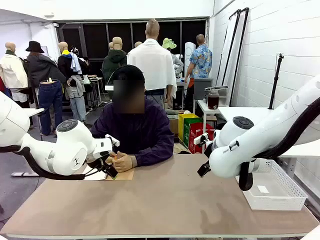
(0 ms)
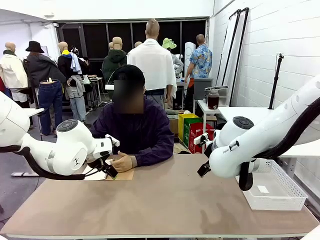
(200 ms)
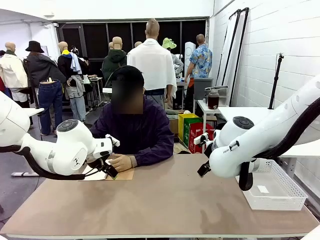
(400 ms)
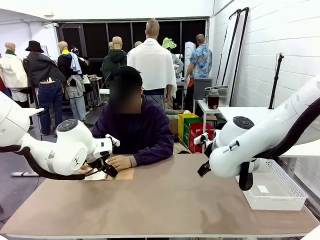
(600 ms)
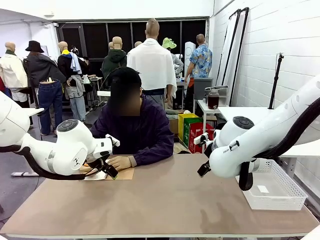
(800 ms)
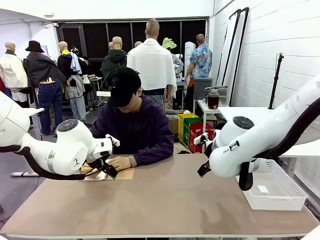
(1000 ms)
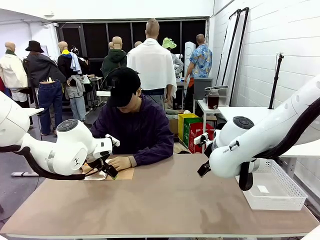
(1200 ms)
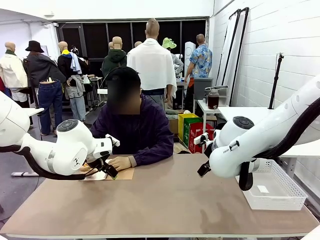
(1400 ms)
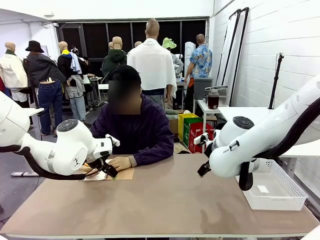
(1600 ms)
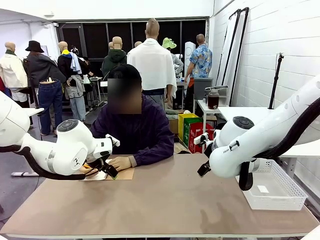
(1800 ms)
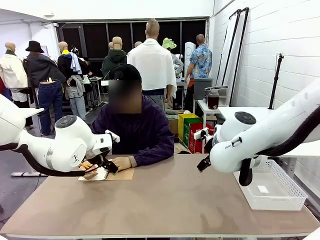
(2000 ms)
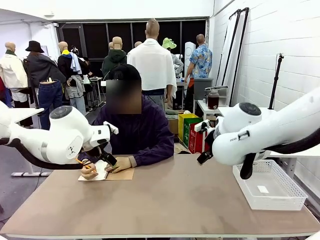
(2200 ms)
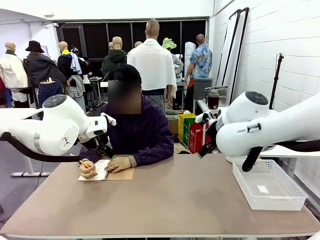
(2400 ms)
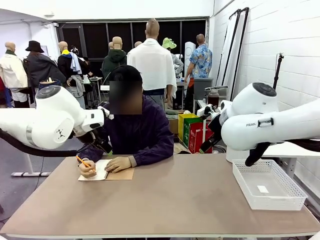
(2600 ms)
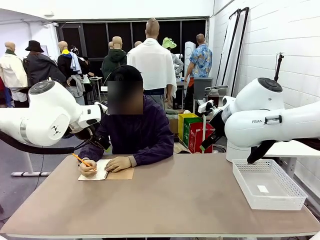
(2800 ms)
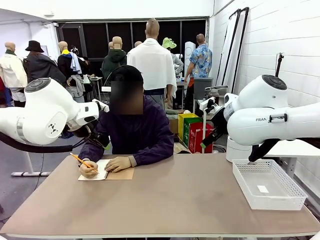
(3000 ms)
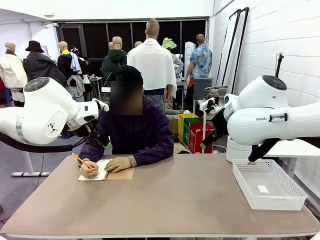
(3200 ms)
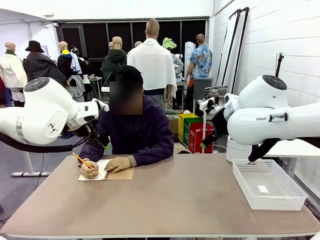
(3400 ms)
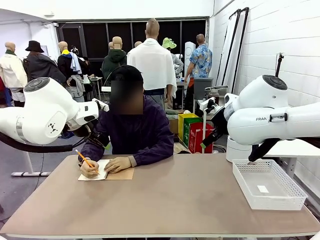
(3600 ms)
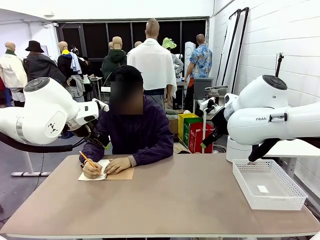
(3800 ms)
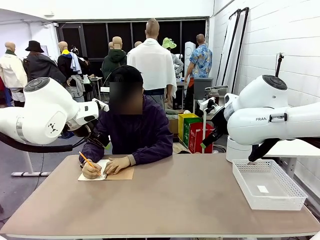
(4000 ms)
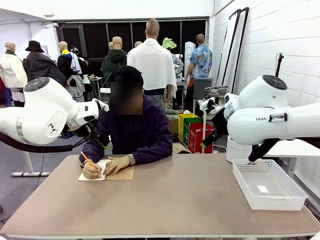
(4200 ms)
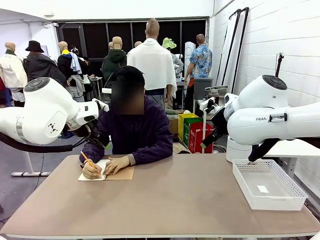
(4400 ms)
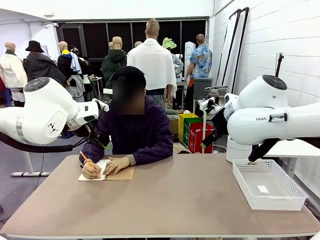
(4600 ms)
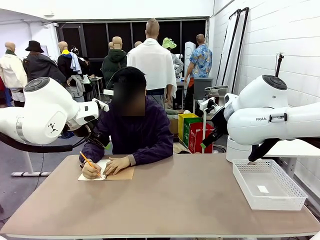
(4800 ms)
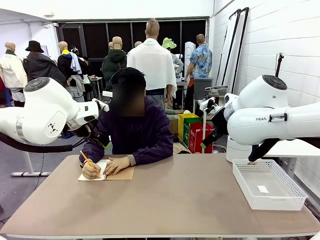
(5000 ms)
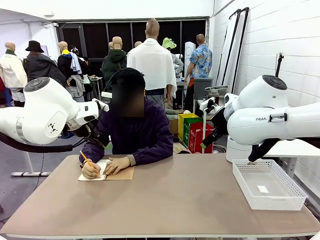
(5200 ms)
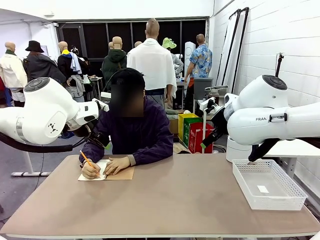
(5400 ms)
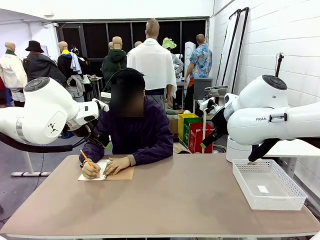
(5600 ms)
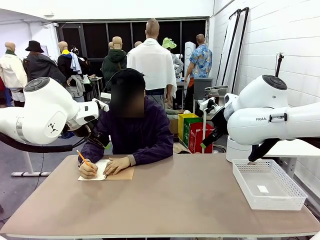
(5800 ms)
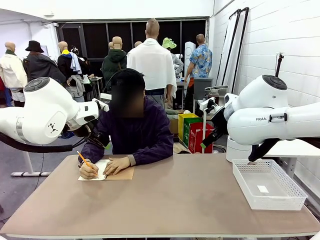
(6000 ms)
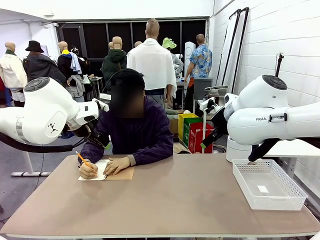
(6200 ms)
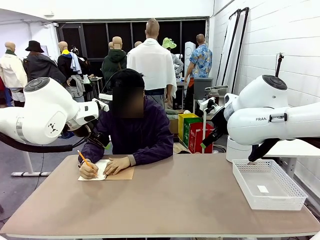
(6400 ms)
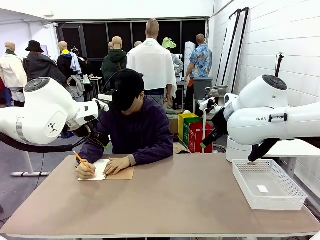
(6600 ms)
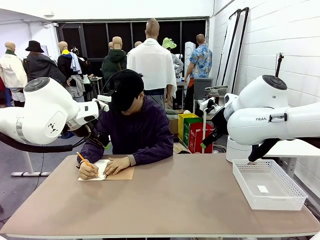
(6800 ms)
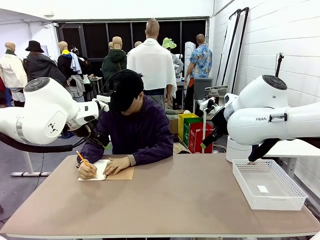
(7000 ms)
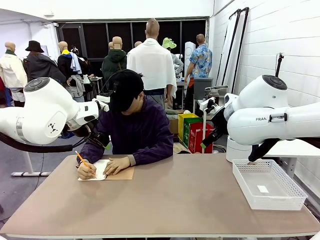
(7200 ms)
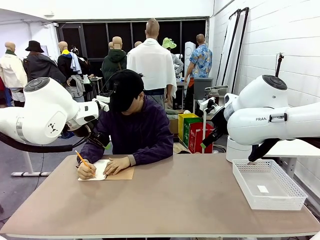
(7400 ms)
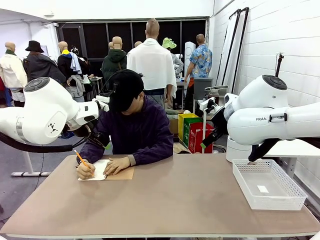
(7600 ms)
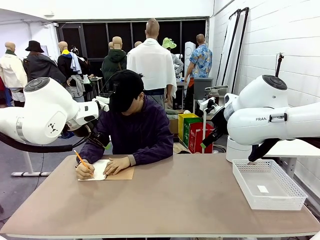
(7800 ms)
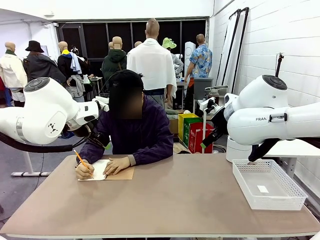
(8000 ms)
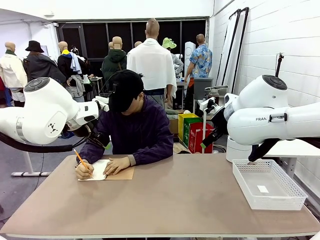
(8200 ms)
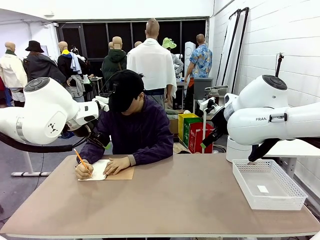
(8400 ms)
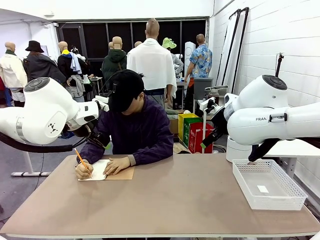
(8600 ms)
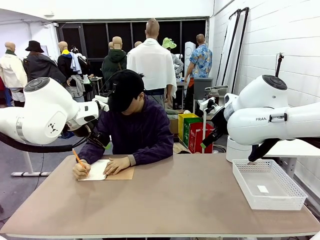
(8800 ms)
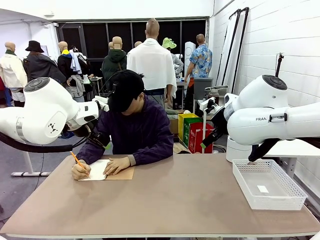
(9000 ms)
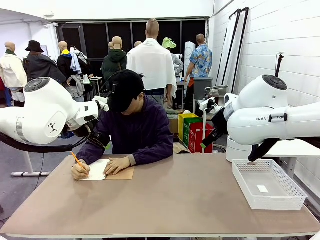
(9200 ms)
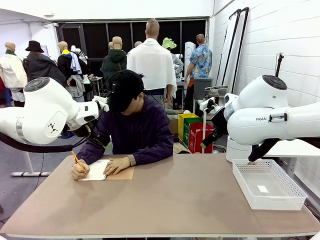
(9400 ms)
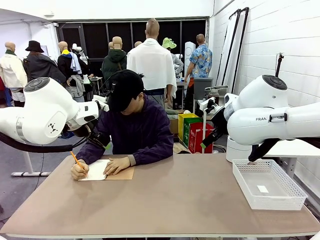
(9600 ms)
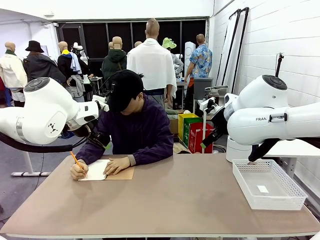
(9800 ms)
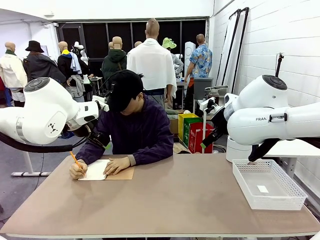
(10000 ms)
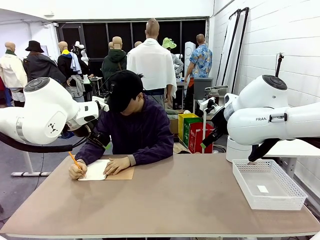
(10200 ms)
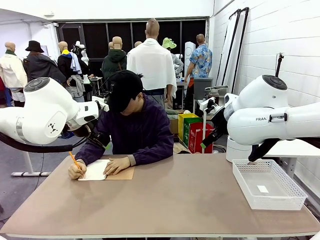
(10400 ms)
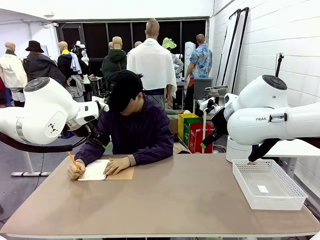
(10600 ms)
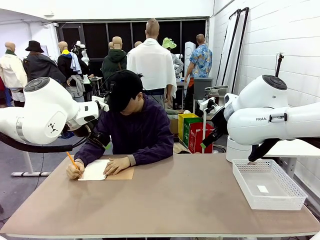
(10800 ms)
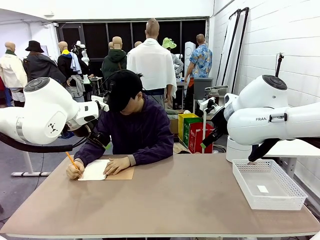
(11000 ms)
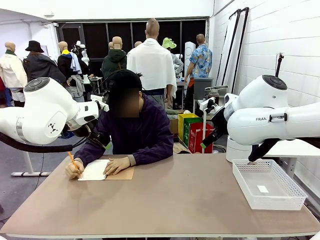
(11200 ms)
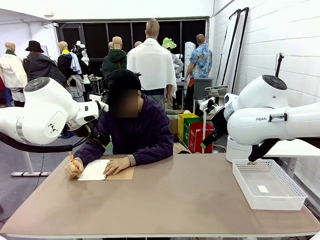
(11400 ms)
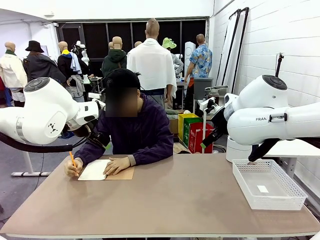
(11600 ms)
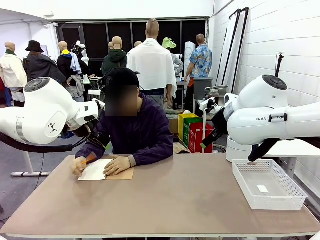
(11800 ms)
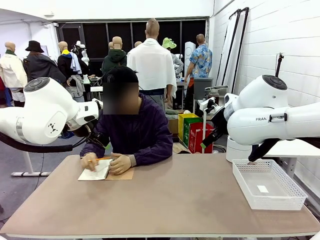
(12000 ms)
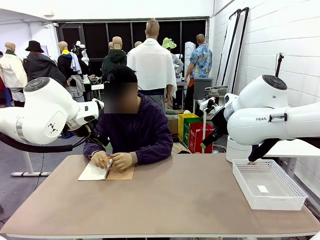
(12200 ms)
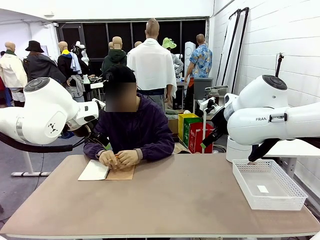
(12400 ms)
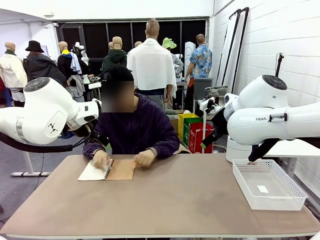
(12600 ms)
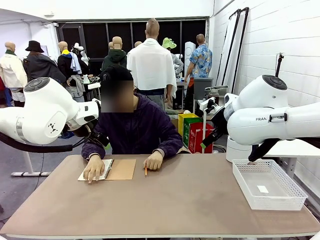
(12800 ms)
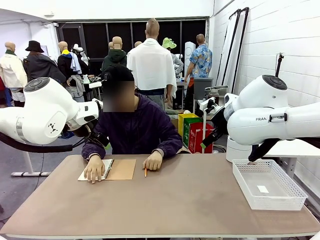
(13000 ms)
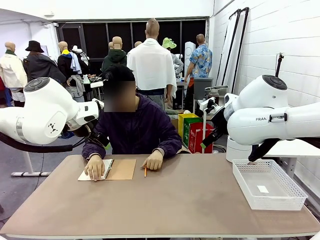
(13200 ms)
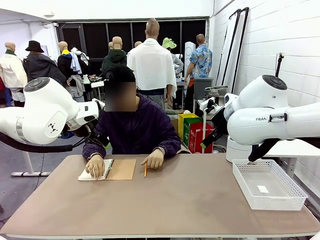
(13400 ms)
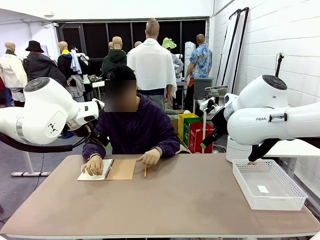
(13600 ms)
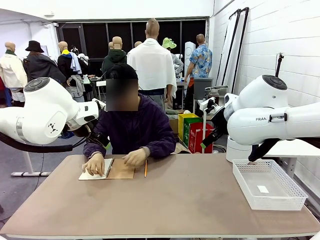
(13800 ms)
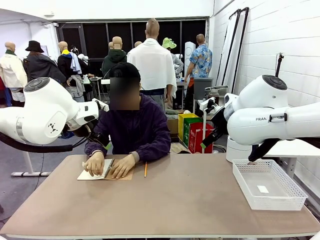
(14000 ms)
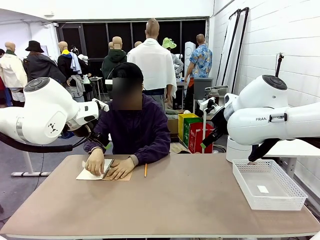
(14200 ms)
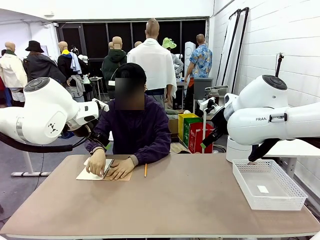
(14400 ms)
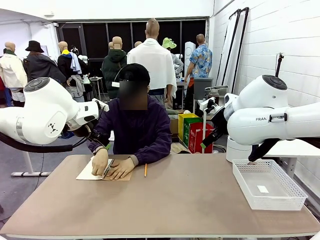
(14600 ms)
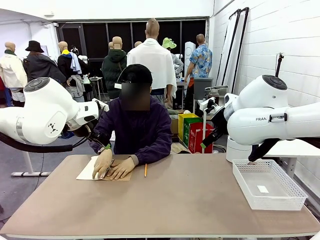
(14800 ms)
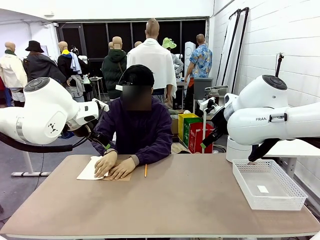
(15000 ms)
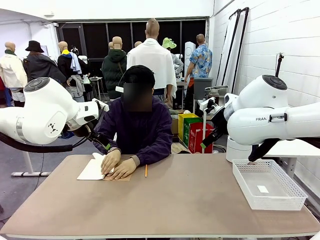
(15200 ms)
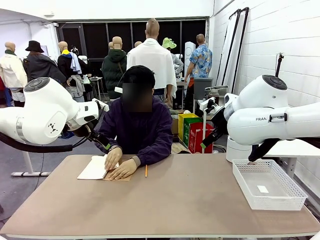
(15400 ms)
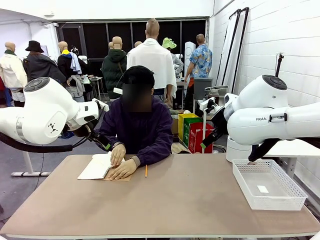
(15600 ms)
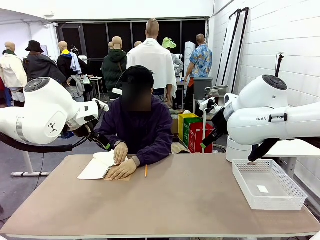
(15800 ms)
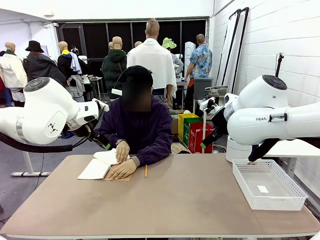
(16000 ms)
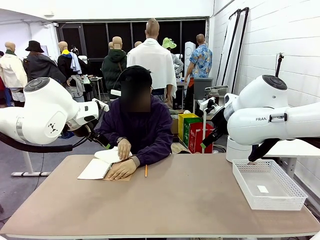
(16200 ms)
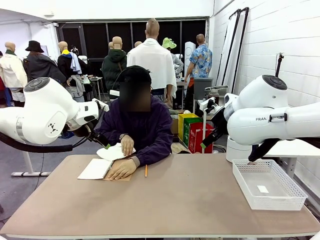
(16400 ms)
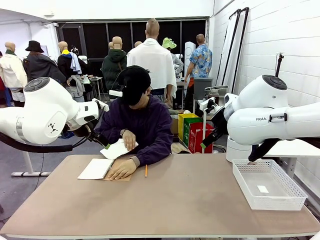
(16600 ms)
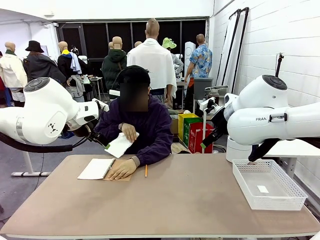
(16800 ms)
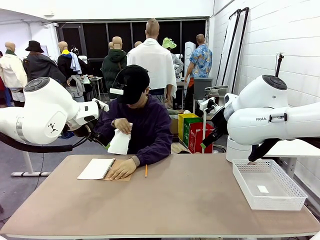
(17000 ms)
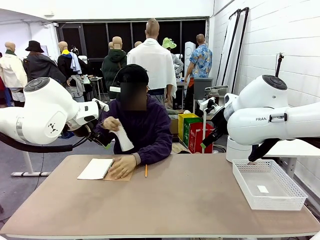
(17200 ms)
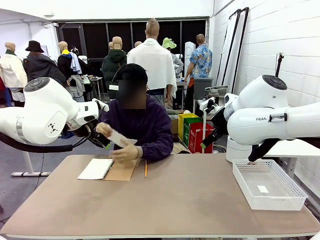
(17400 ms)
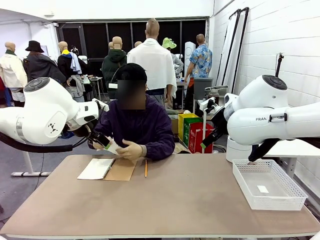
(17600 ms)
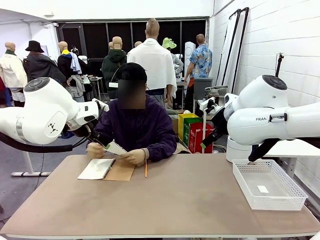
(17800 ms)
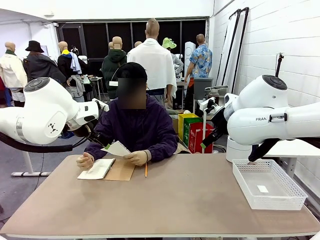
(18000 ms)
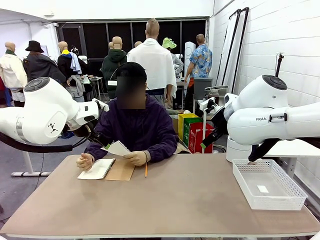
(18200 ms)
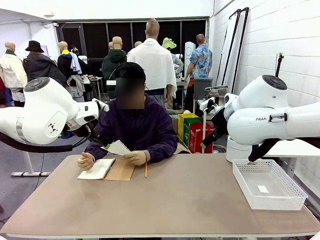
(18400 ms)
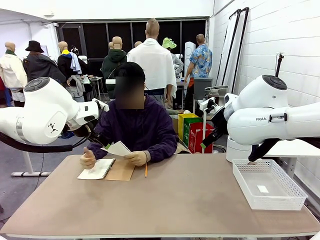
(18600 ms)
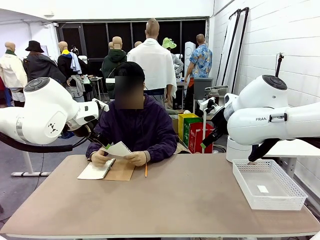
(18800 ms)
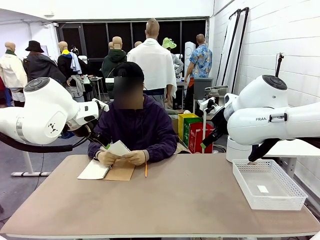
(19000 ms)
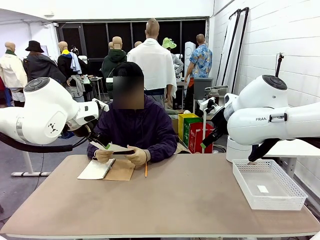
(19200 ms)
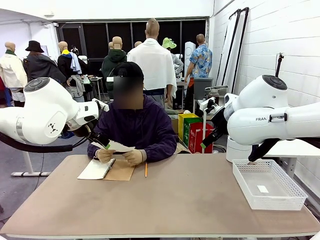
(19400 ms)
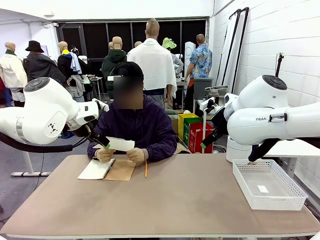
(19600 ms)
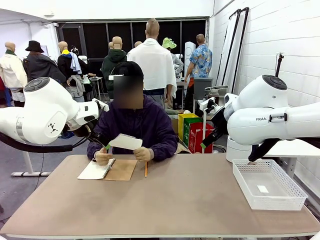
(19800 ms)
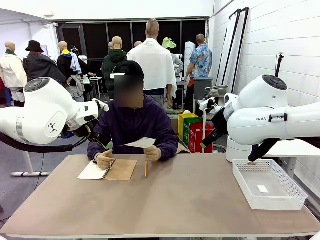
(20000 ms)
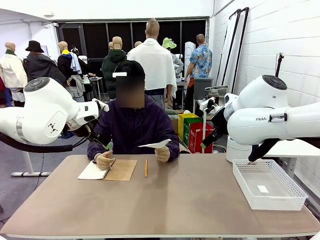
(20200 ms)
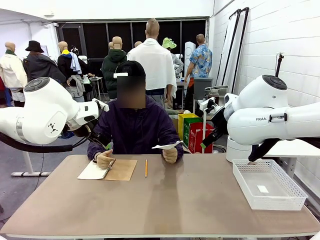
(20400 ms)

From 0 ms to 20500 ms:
Task: Sort the paper based on its condition.
Robot: If a person hands you a paper, place it in the Organizing basket , and if it's crumpled, put it in the Trash can.
Person: Tear out a page from the spiral notebook. Hand the torn page to the robot or crumple it and throw it to the center of the table.
